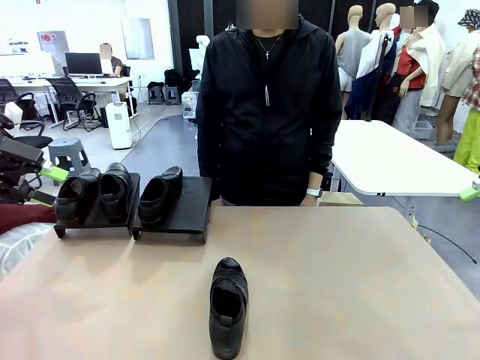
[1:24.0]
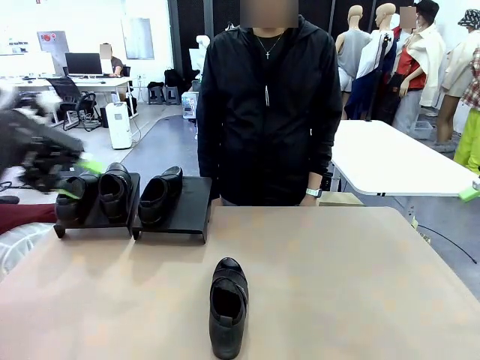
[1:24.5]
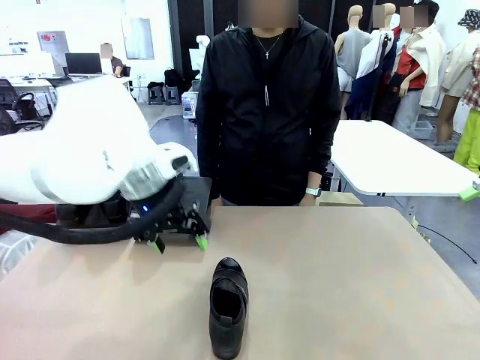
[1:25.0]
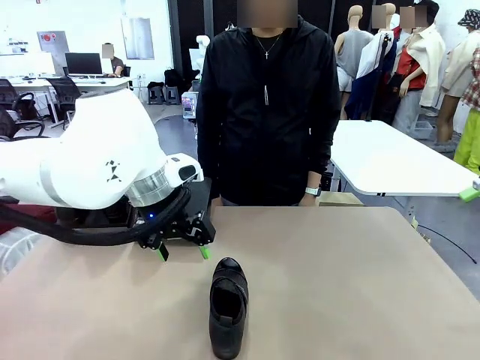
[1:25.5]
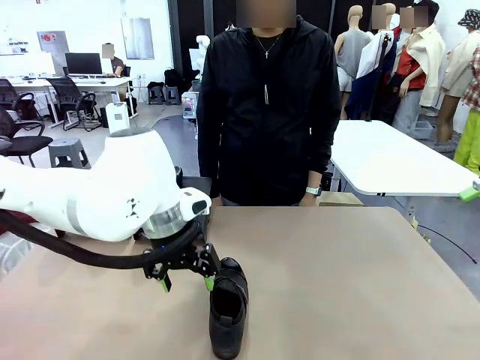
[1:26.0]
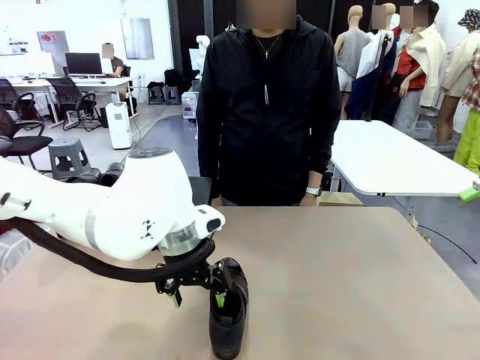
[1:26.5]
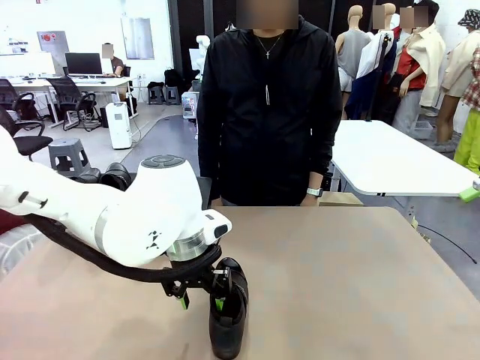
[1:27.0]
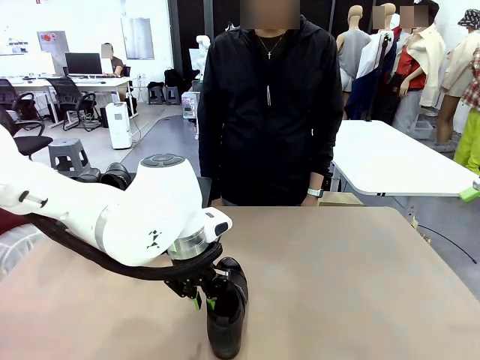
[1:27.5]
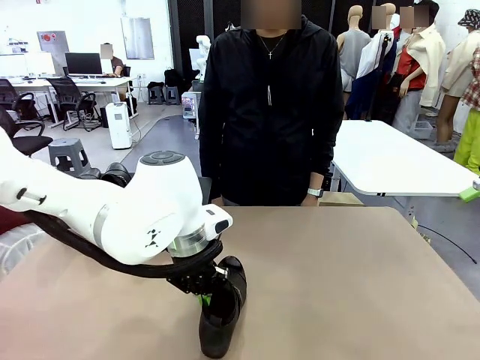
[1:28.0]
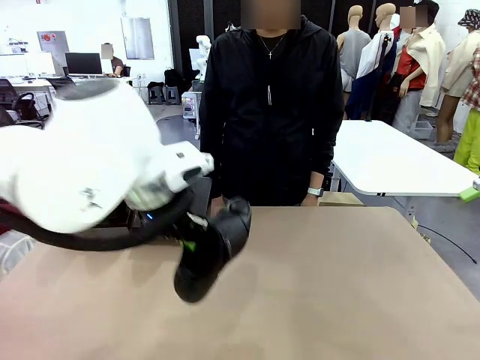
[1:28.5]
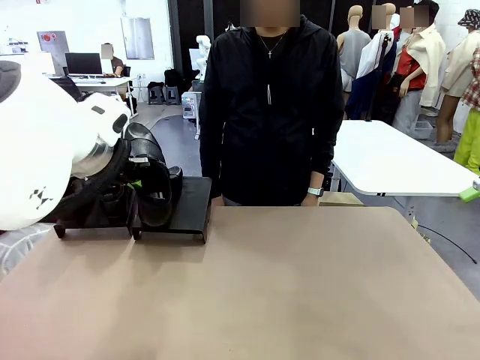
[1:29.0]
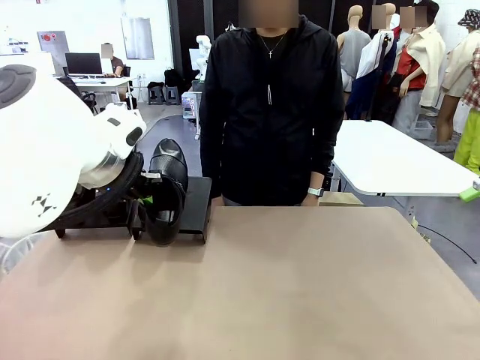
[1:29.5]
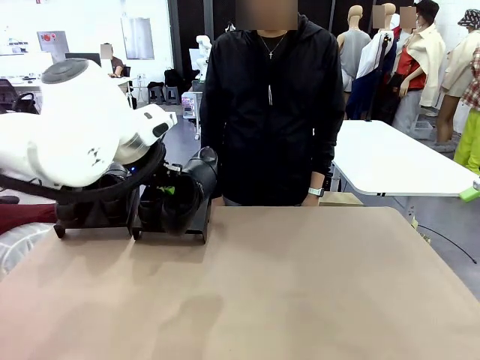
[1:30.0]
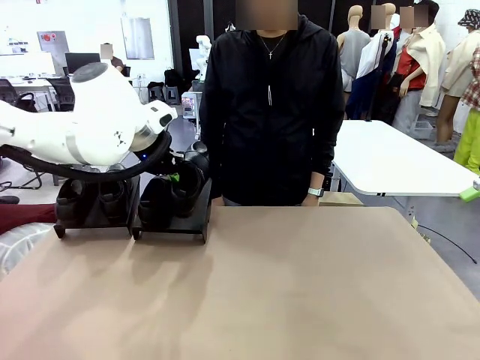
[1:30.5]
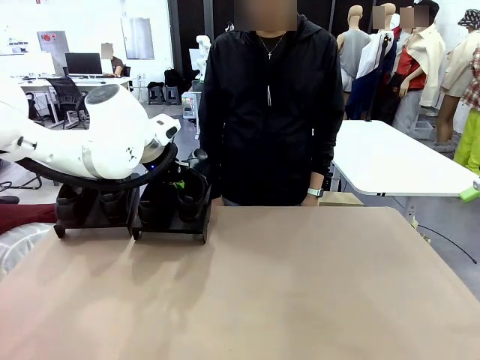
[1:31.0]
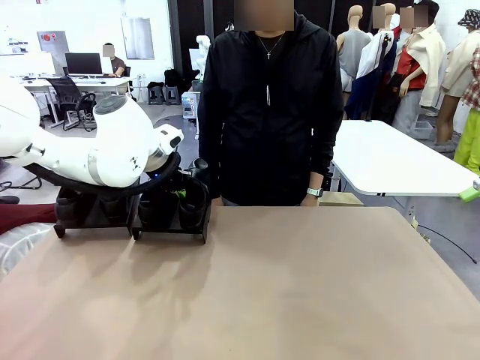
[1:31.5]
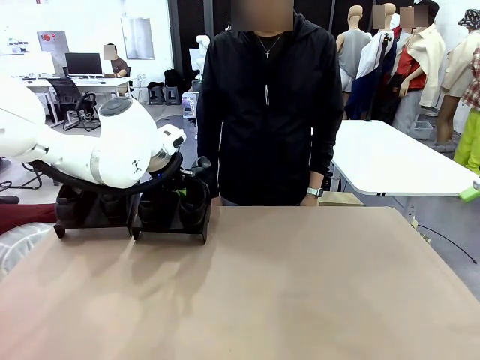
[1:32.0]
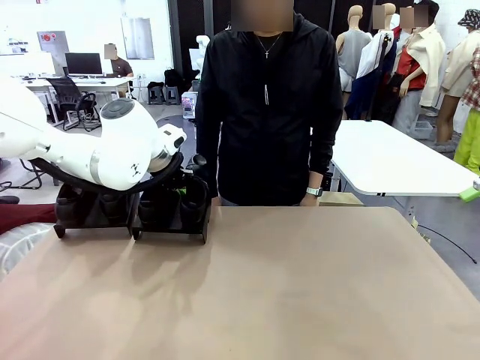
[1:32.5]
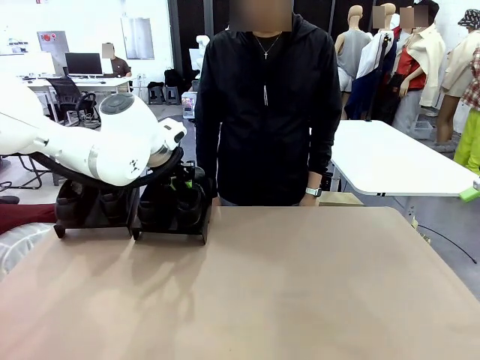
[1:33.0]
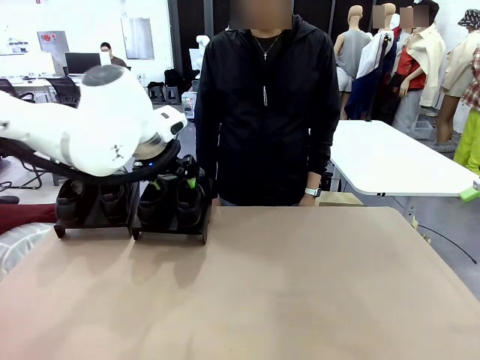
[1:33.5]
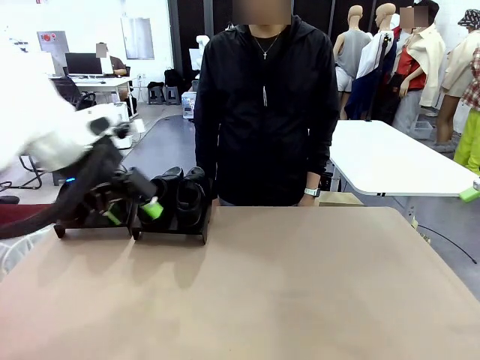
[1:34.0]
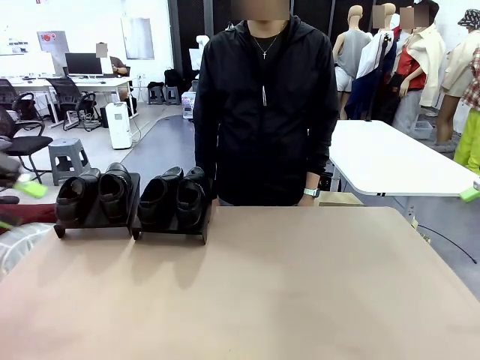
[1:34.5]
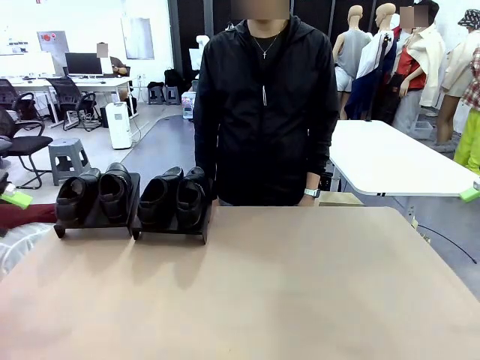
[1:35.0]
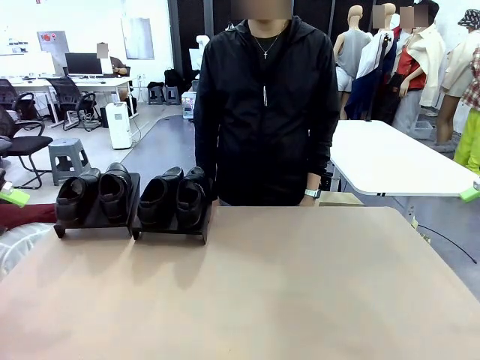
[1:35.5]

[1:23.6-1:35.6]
Task: Organize the shoes by placing them on the stand.
Robot: Place the Shoe from the middle of the table onto the Shoes Stand.

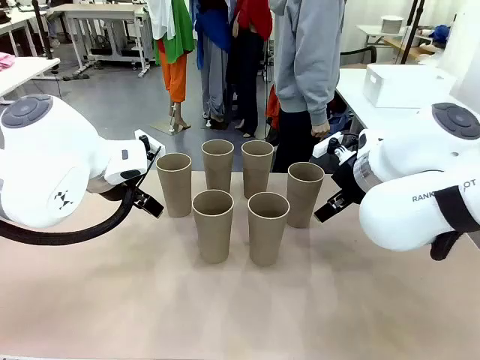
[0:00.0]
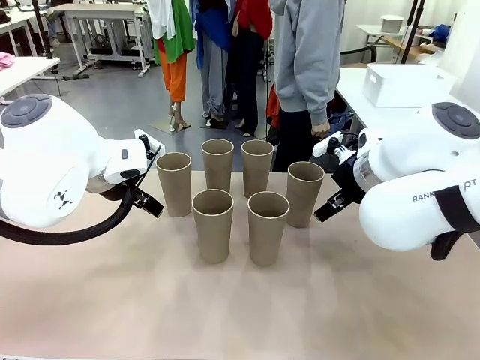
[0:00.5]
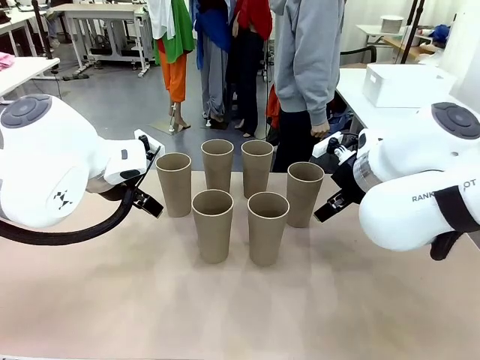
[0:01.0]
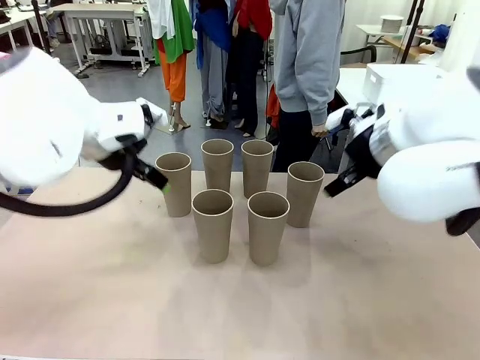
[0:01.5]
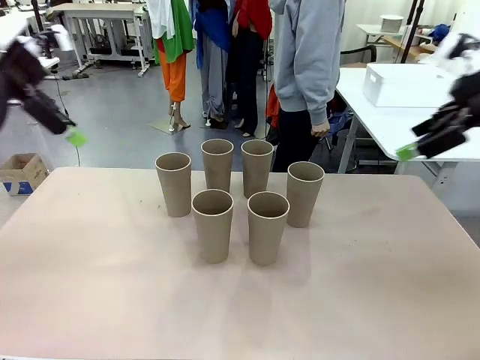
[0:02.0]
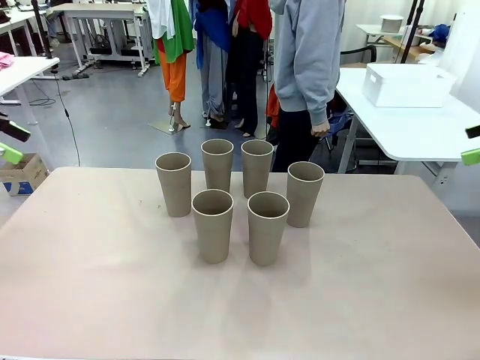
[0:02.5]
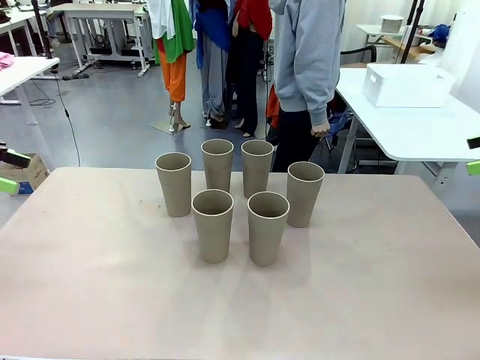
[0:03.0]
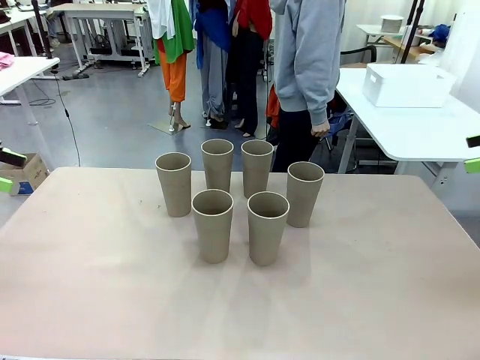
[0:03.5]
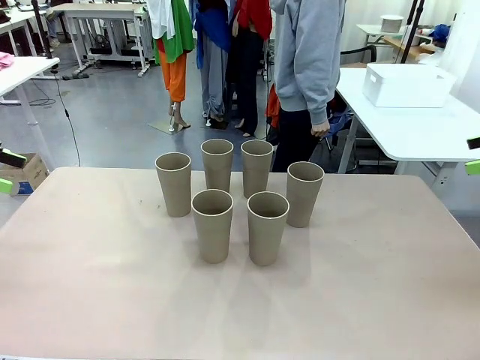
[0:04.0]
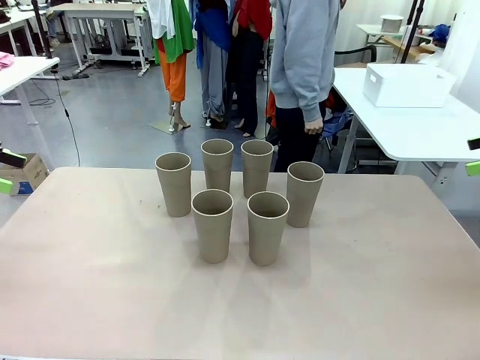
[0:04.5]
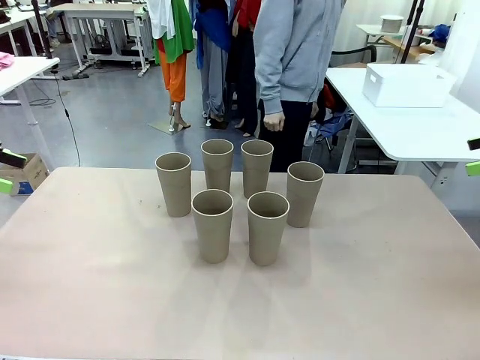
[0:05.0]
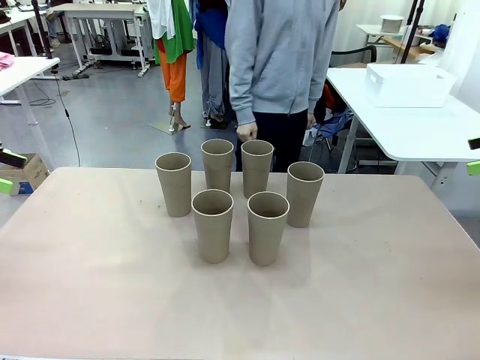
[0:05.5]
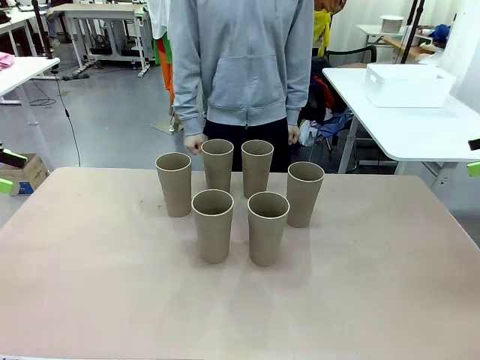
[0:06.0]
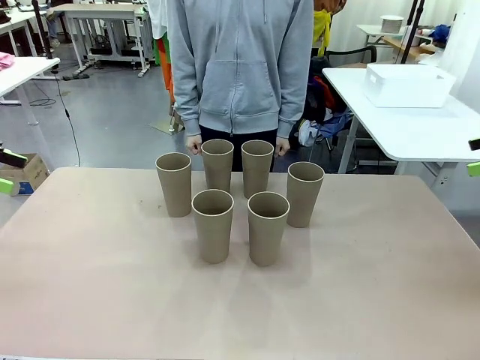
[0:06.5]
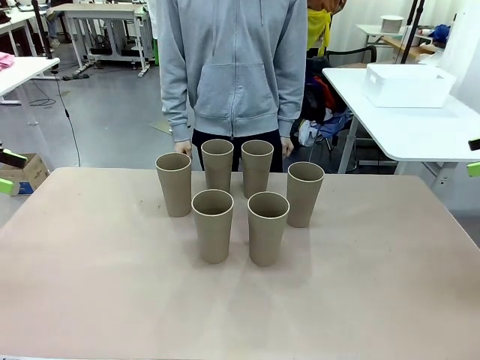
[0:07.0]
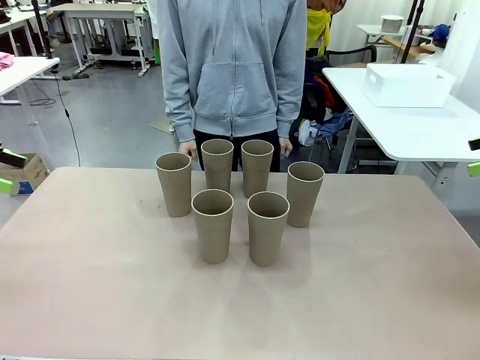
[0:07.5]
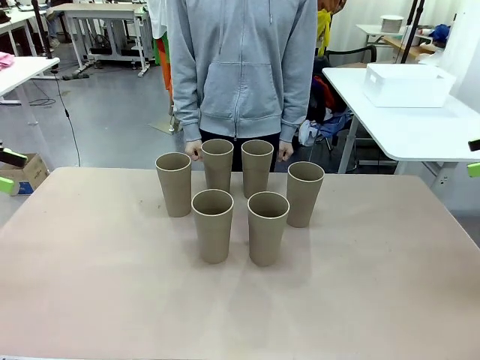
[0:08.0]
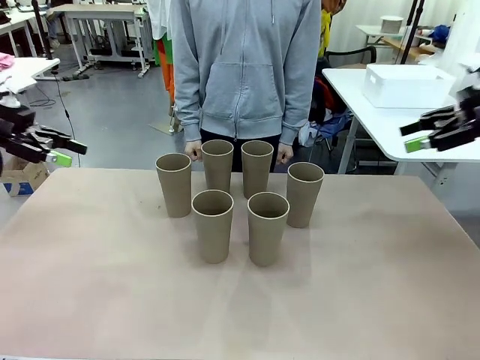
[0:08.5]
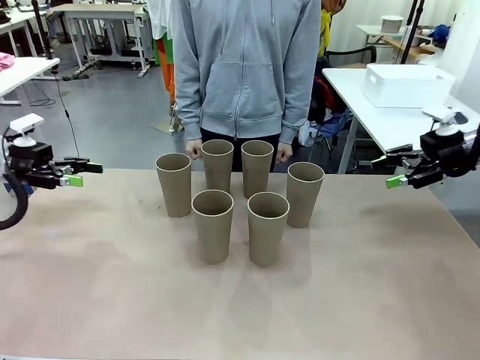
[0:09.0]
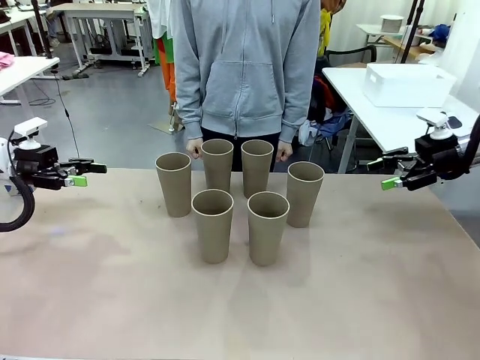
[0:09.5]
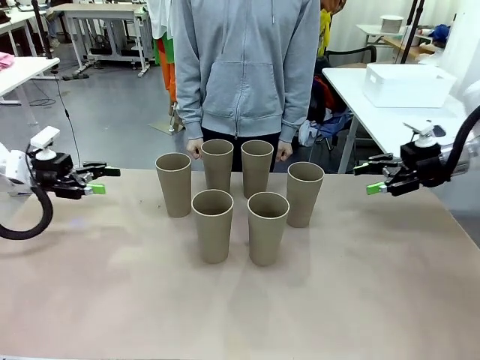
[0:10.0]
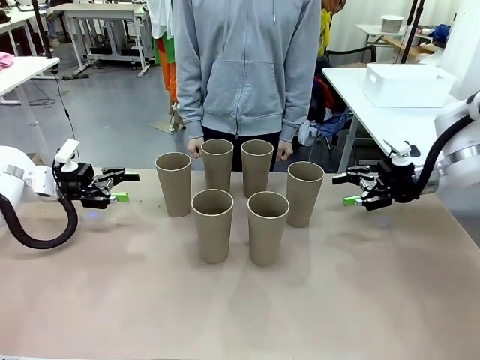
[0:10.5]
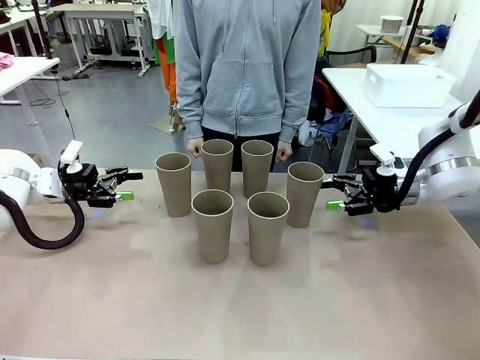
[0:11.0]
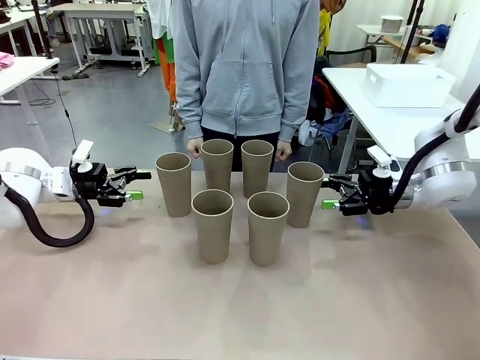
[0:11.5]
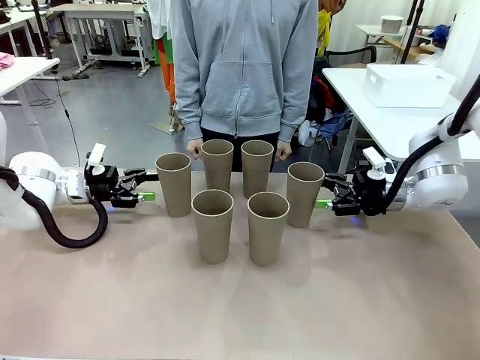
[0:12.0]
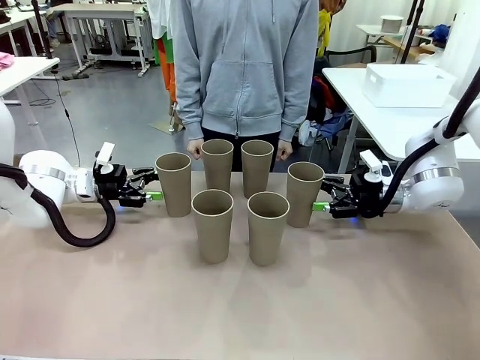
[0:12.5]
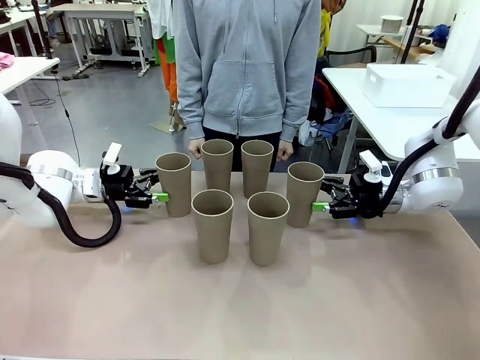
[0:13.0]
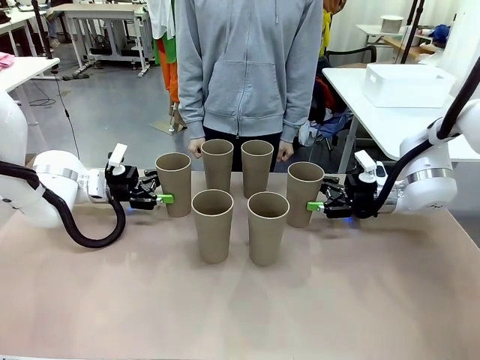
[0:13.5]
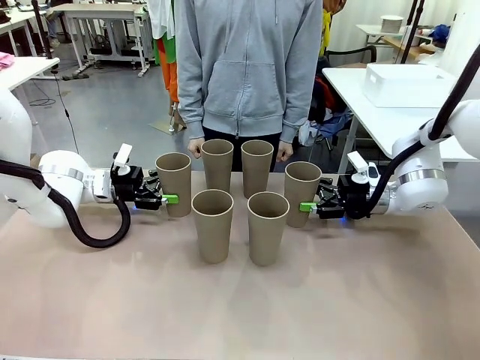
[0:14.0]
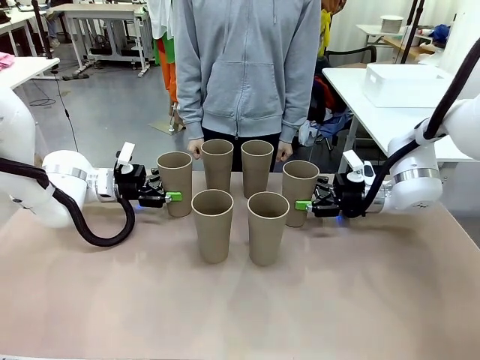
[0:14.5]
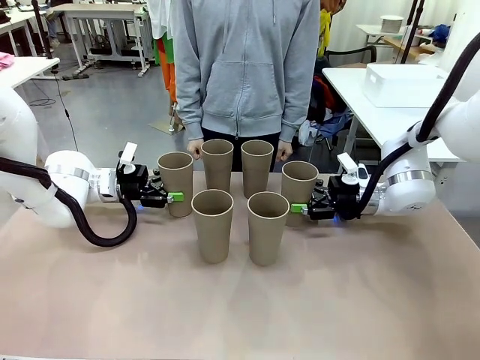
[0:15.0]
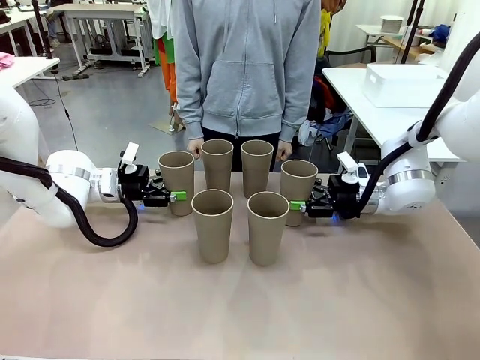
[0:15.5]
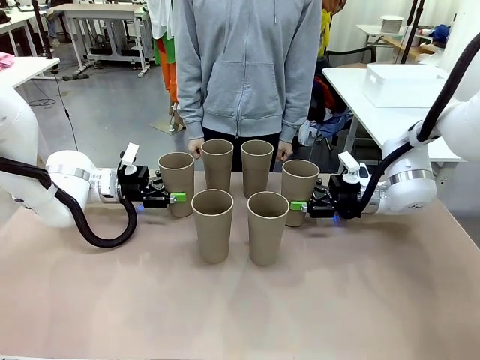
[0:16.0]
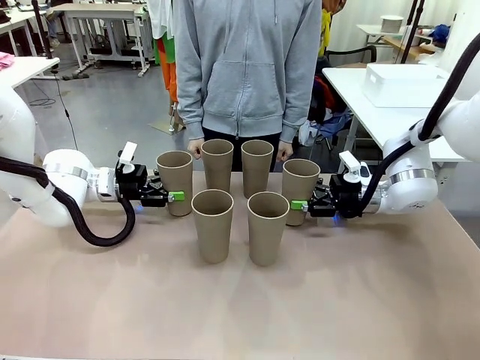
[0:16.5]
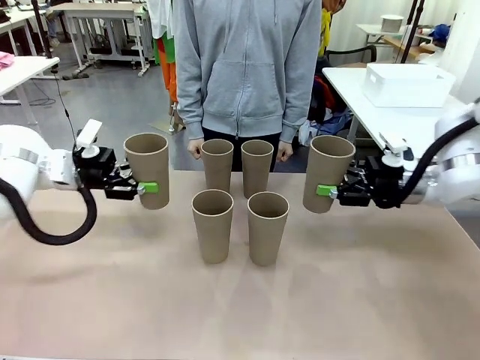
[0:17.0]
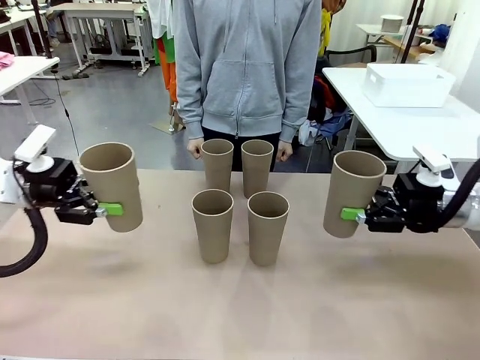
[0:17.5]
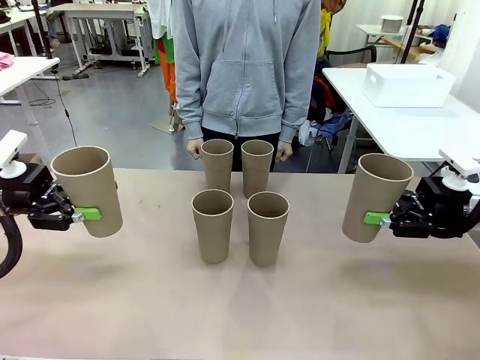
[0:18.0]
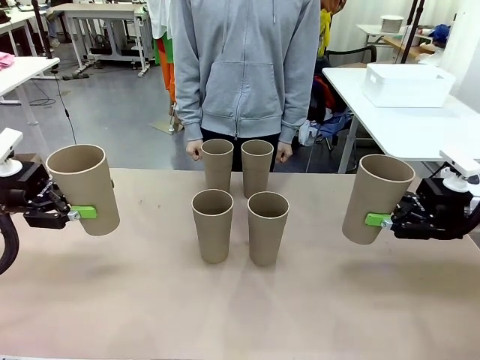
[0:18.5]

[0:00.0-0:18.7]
Task: Stack the cups and store them in the basket.
Robot: Pick up two Reusable plastic cups , one in each hand.
Person: Move from the Human Table to the front of the Robot Table. Stack two of the remaining cups on top of each cup held by the robot.
